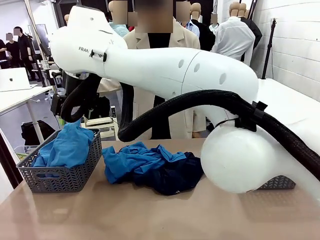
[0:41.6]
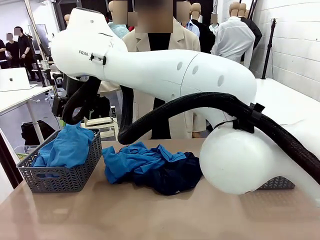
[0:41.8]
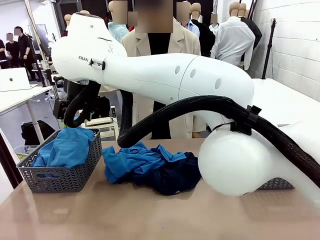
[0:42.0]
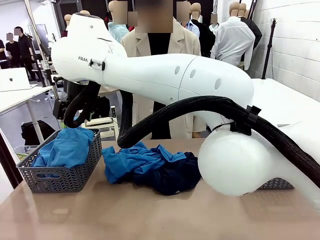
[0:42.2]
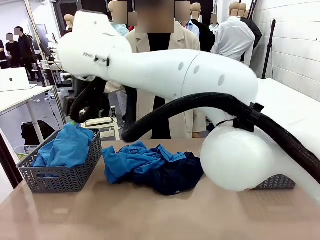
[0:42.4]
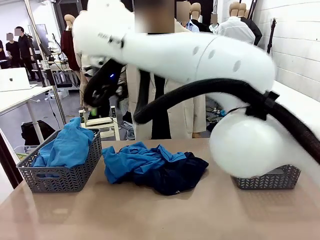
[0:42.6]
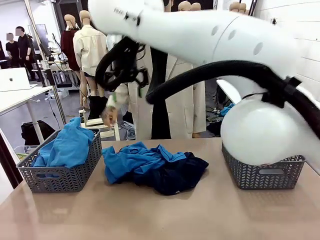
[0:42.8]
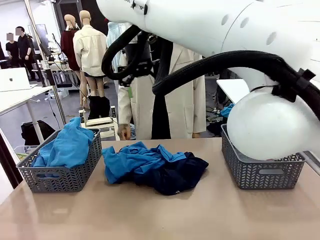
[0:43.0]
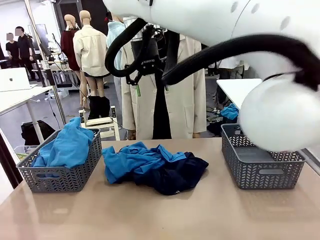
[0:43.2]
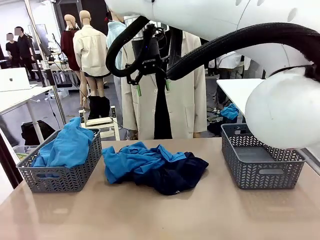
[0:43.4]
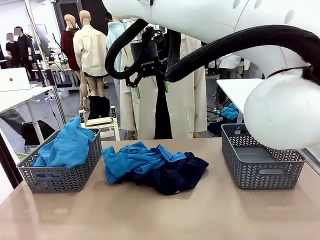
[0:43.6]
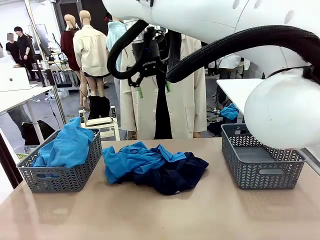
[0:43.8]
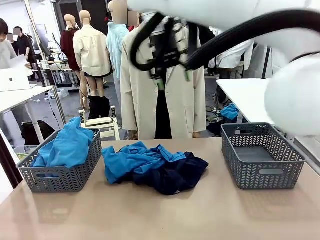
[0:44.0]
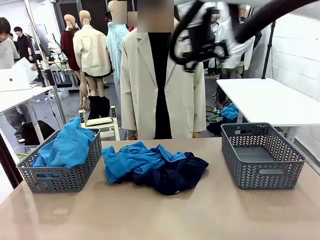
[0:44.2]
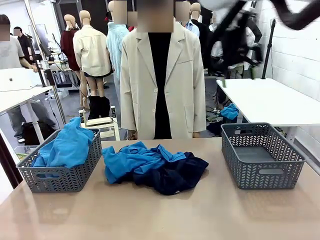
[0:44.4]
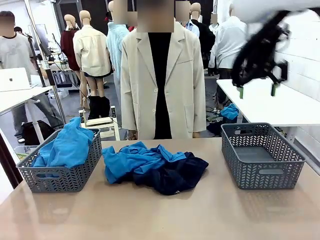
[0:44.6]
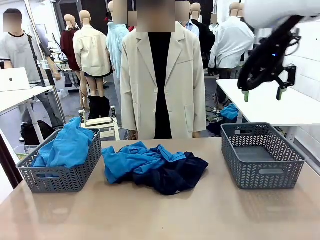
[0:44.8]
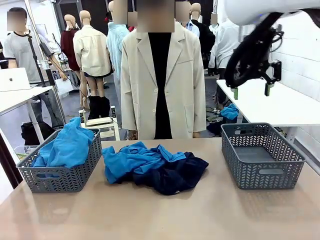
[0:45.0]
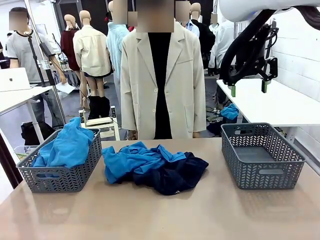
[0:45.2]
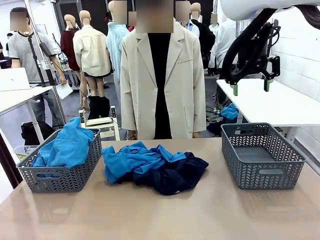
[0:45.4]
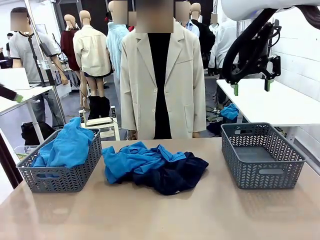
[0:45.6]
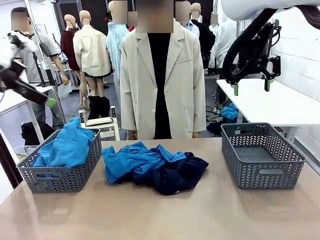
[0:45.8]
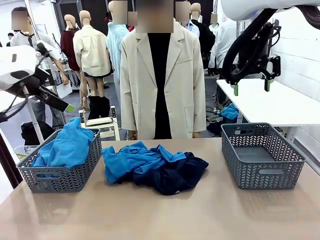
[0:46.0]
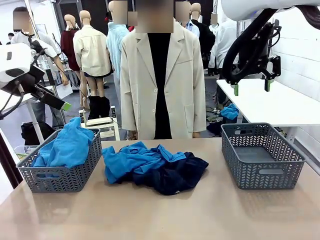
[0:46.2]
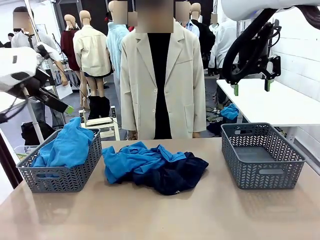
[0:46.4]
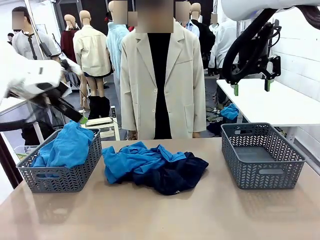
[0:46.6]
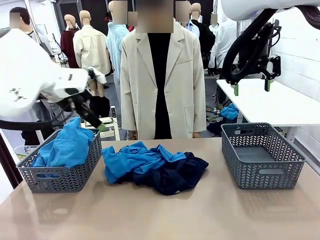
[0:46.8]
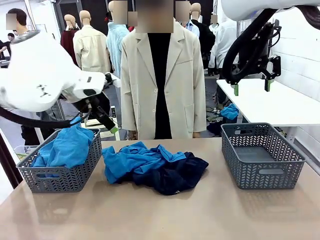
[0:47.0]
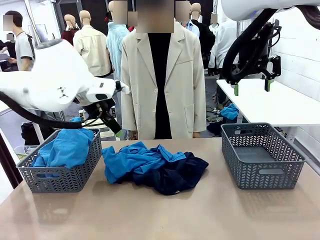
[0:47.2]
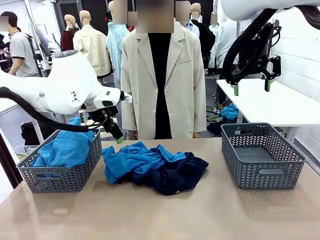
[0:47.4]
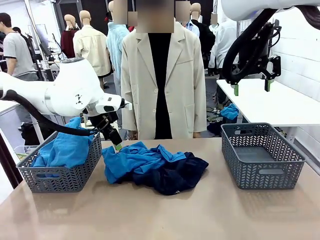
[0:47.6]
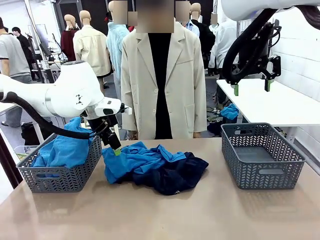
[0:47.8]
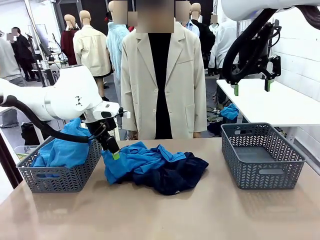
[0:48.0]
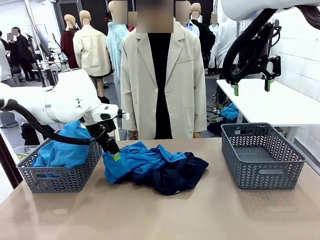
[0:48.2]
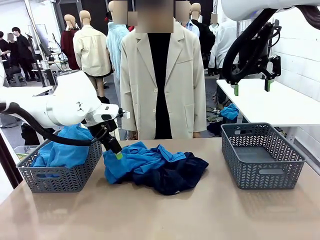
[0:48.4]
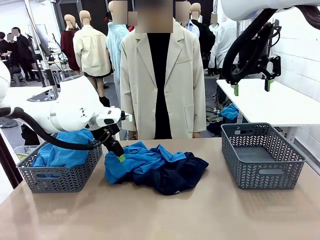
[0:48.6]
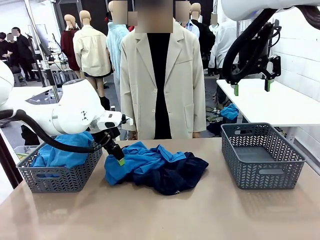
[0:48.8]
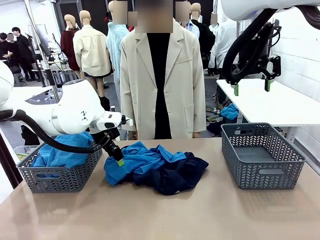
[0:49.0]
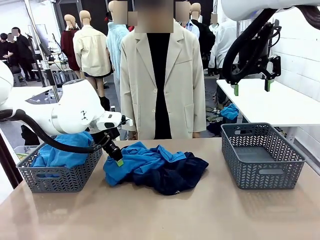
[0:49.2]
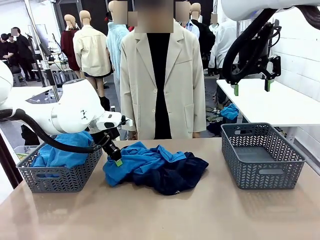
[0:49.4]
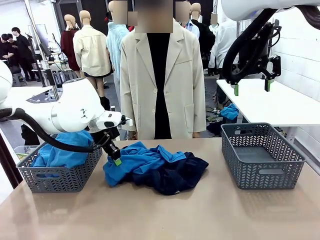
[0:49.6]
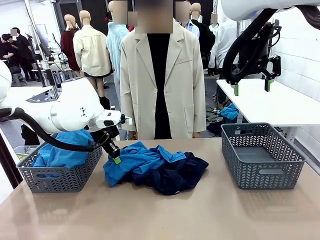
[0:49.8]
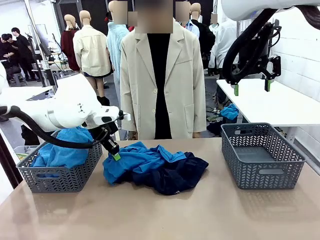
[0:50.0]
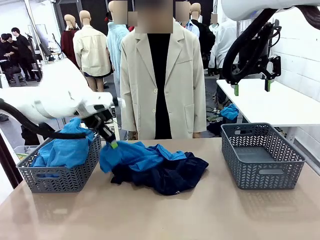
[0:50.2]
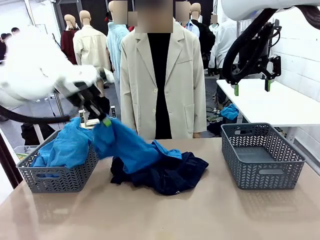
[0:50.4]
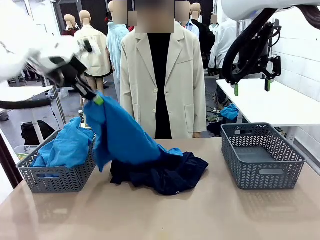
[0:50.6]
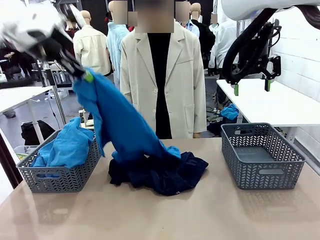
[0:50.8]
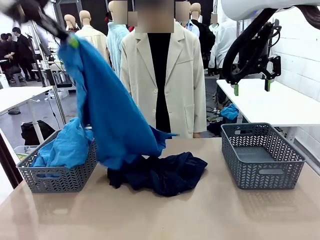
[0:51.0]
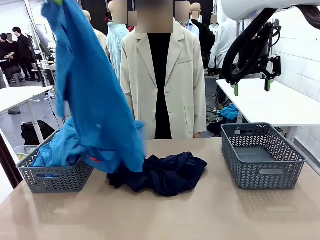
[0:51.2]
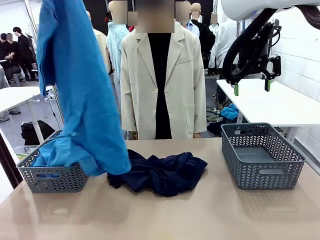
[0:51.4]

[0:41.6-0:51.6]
Task: Sort the tops and bottoms.
Robot: Lift clothes from the center of the table with your left hand.

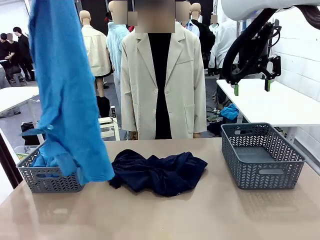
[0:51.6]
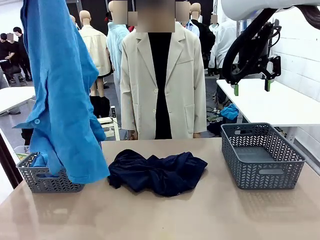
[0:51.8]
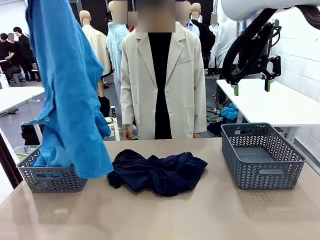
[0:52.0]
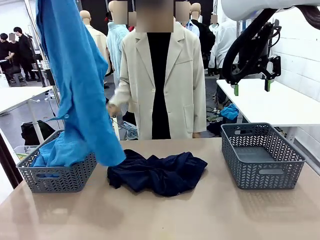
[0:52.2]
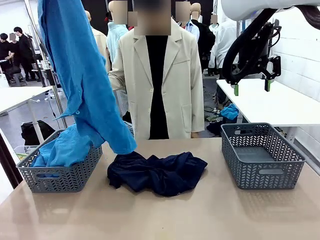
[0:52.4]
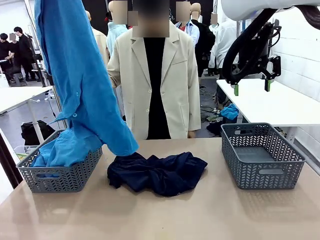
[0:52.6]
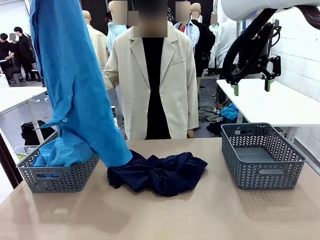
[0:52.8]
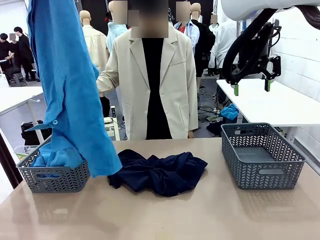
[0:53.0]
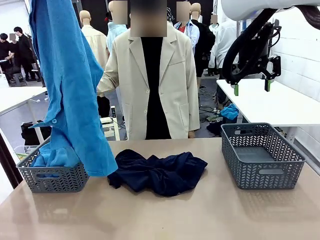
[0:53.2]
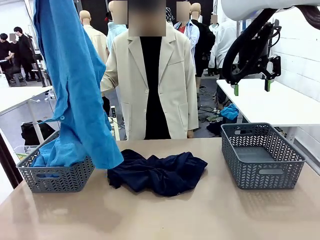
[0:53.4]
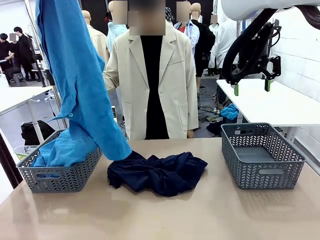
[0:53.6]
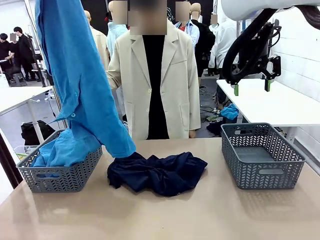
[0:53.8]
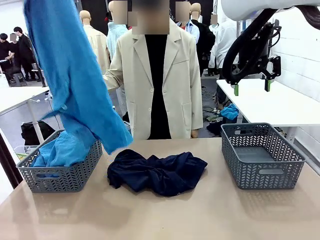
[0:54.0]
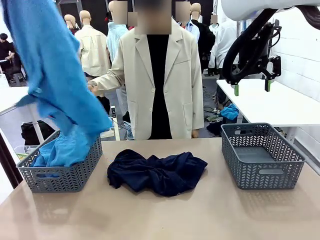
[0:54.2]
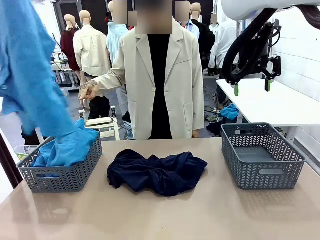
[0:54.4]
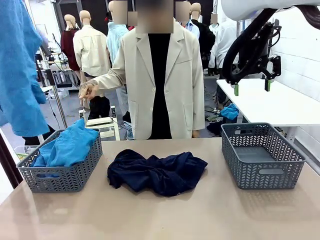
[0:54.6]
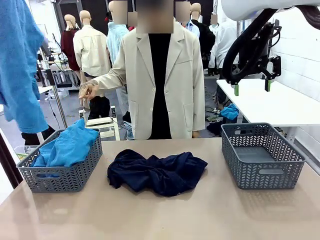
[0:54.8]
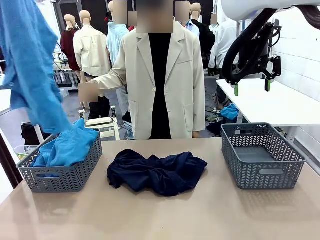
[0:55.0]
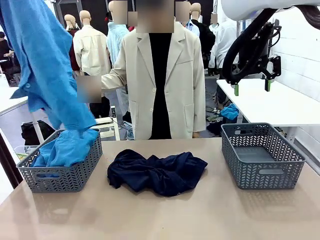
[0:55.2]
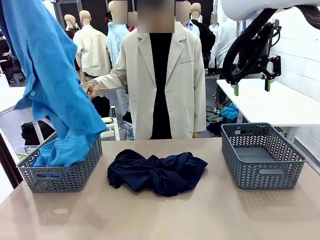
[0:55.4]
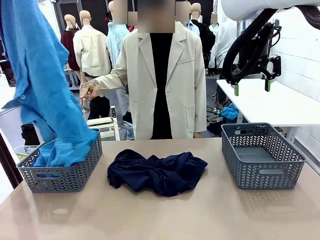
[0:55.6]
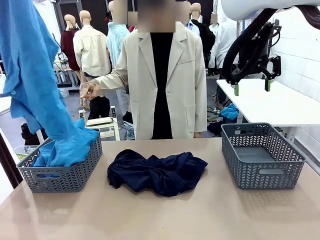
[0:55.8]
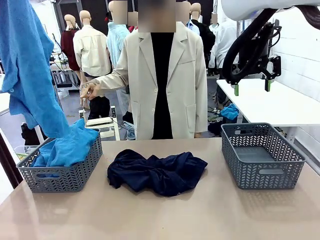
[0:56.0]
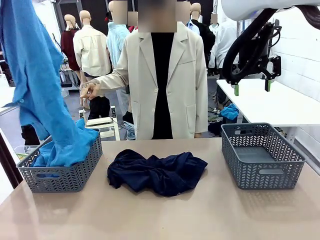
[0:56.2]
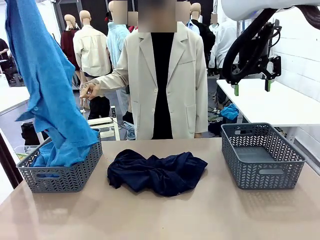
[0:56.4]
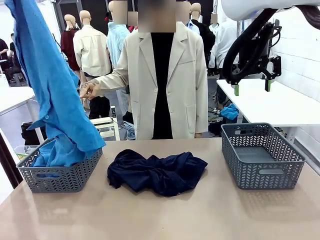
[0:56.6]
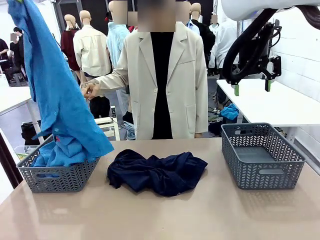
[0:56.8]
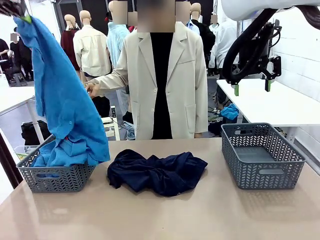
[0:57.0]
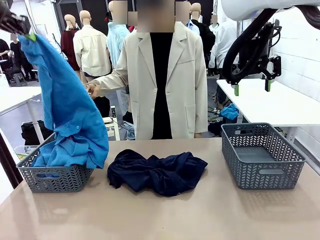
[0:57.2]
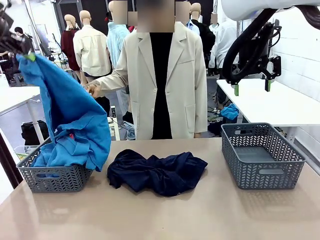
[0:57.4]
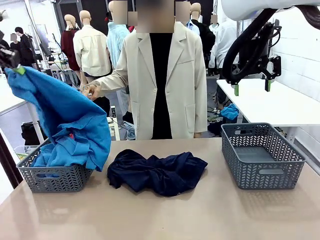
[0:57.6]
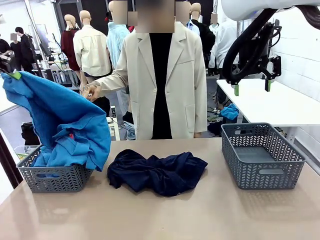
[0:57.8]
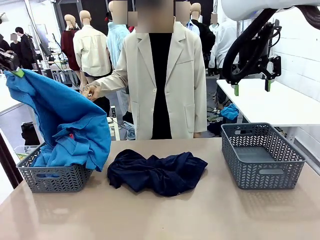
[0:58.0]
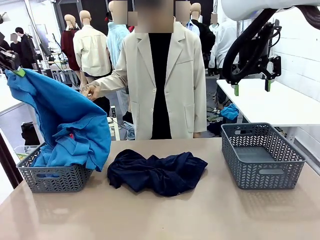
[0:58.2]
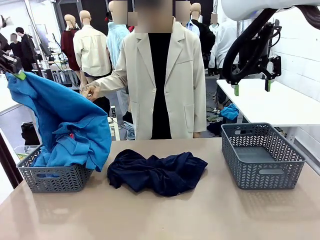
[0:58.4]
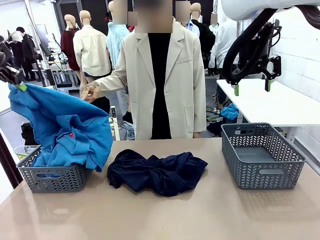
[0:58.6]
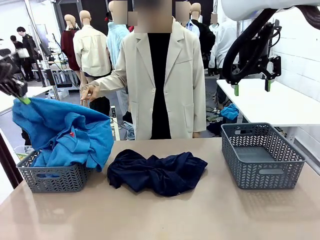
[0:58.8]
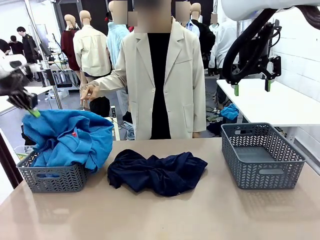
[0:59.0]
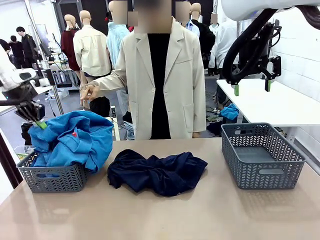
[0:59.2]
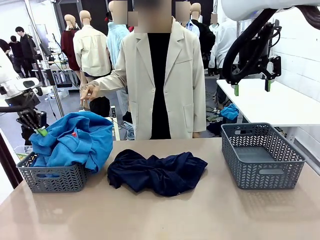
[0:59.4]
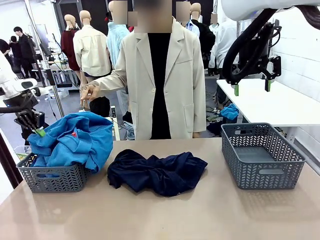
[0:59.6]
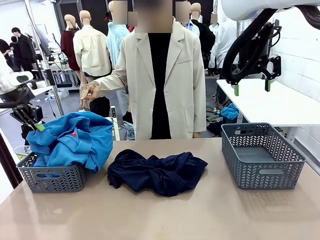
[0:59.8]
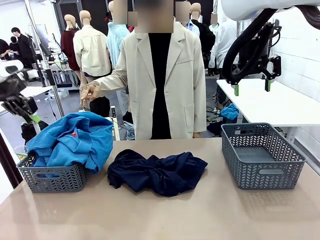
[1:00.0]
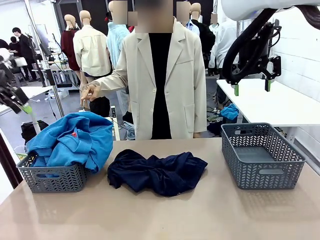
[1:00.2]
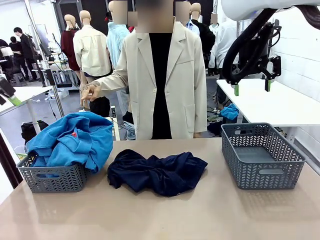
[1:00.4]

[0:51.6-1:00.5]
Robot: Sort the clothes according to human instructions.
